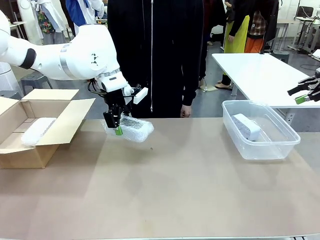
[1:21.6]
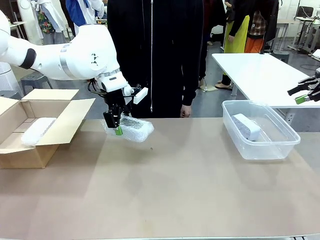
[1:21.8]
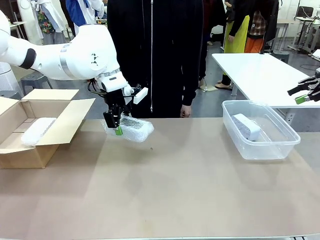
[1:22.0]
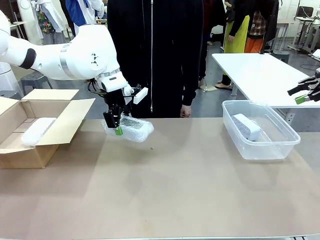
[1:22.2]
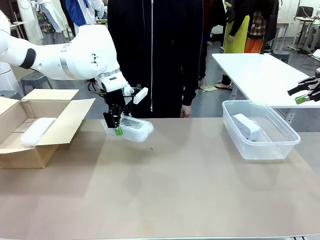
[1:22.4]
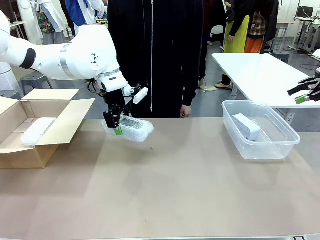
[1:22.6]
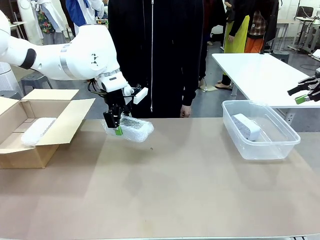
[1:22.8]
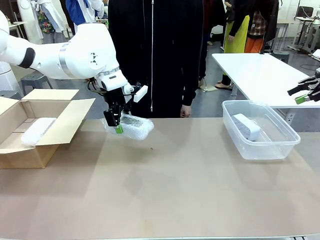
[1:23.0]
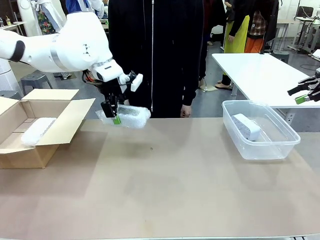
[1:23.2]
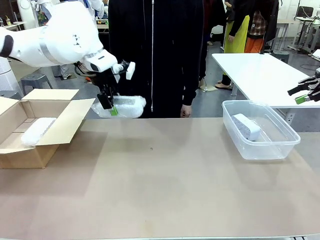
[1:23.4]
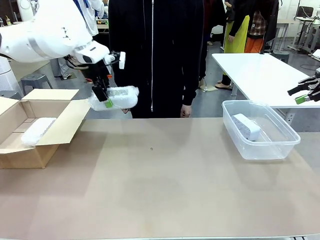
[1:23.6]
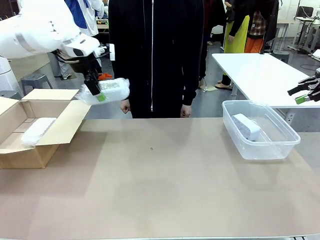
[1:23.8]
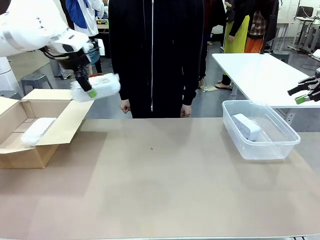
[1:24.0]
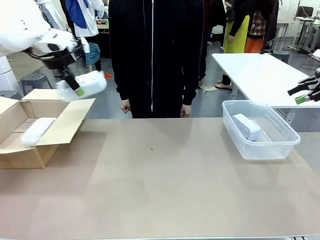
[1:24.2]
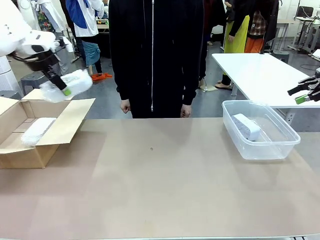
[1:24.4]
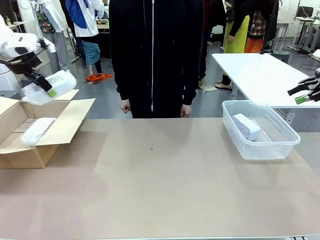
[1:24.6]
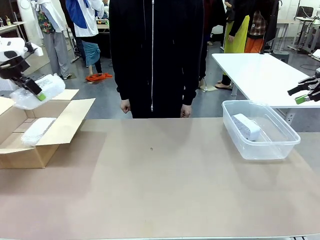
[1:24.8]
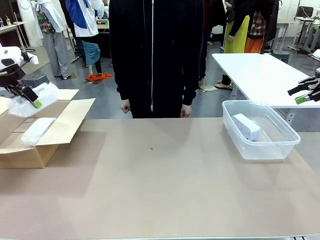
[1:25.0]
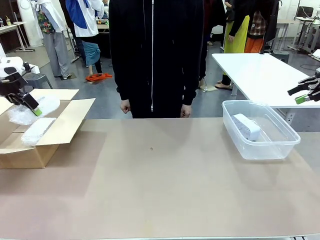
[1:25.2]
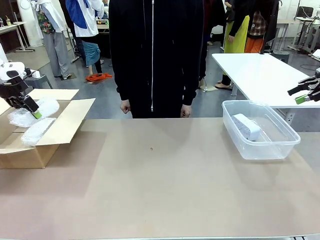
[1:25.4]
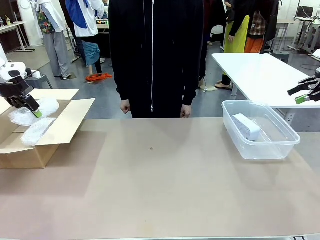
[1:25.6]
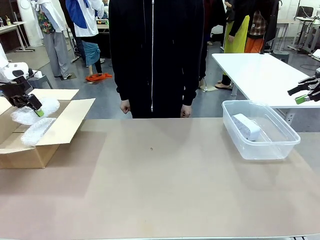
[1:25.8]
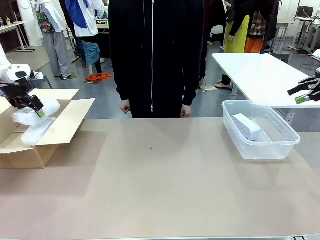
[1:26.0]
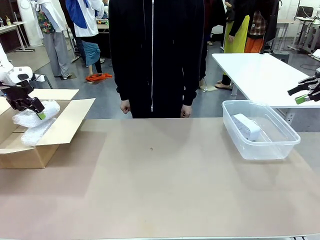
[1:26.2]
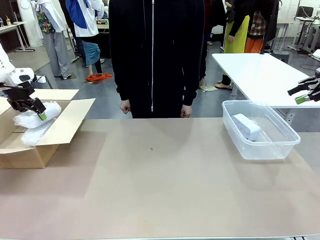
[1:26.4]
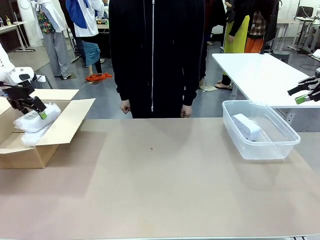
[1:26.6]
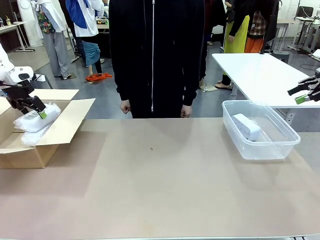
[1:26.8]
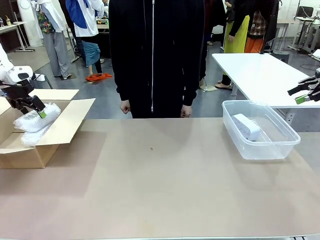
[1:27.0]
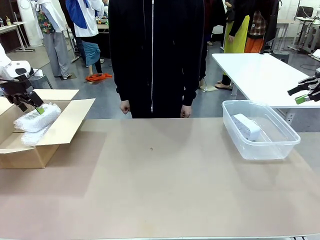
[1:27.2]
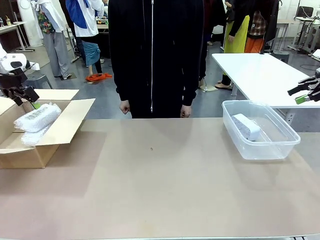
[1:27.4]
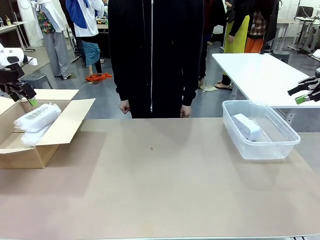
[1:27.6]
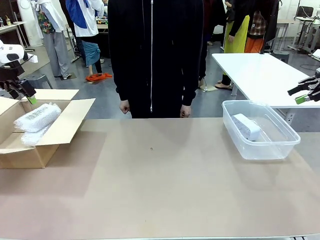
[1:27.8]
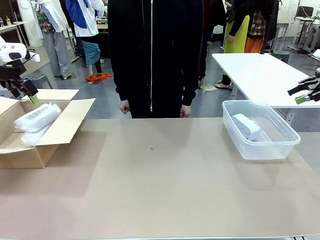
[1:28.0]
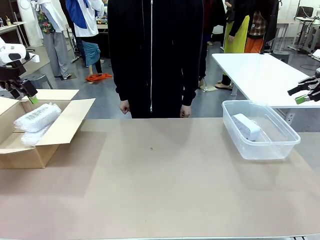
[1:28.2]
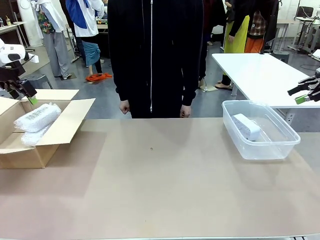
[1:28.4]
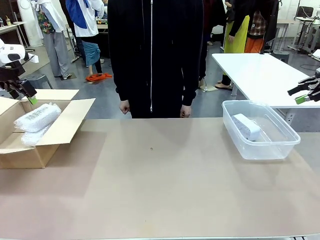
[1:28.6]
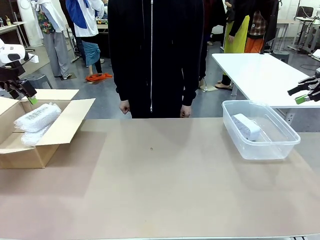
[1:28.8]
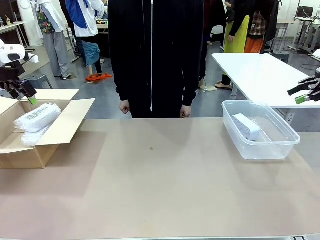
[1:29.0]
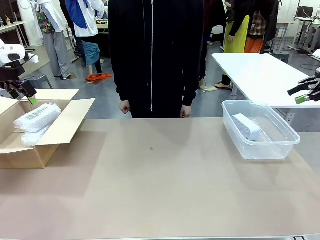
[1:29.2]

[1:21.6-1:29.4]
Task: Separate and place wrapped and unwrapped clocks.
Robot: If the picked Digital clock is wrapped, place it in the Package Box ; if not, place it in the Organizing box.

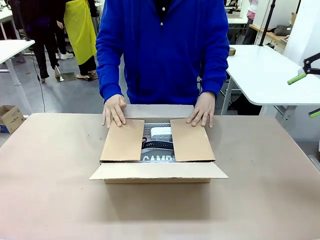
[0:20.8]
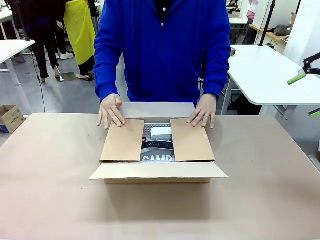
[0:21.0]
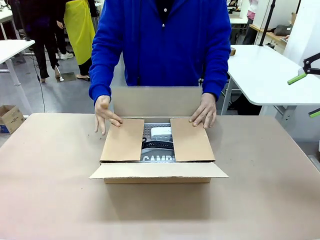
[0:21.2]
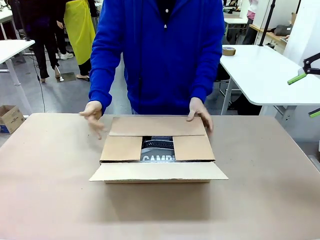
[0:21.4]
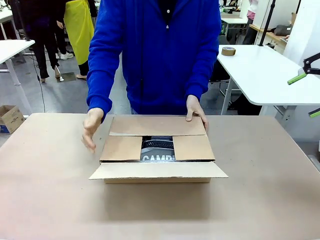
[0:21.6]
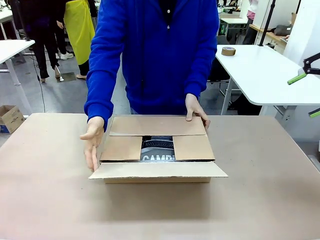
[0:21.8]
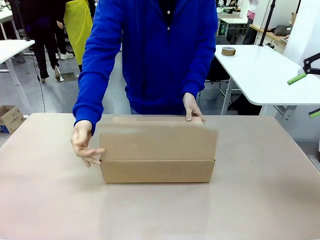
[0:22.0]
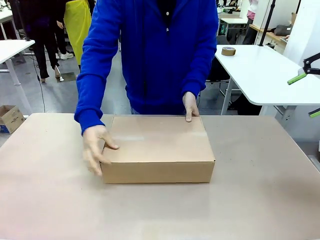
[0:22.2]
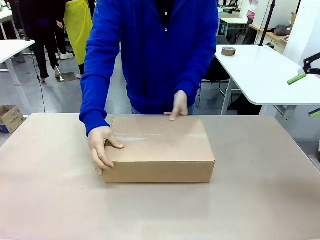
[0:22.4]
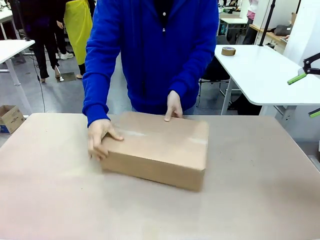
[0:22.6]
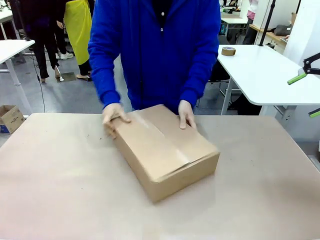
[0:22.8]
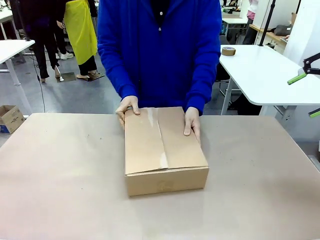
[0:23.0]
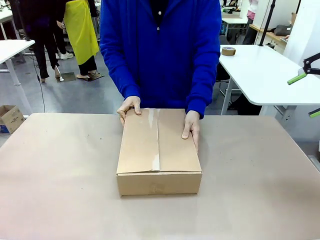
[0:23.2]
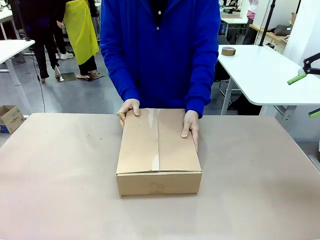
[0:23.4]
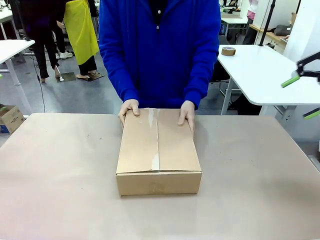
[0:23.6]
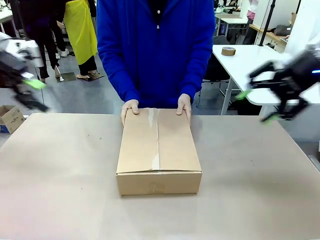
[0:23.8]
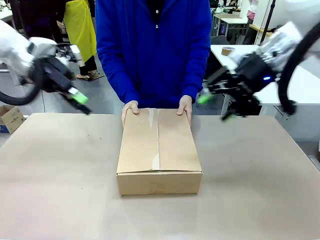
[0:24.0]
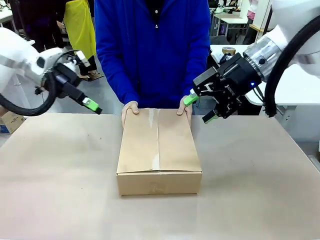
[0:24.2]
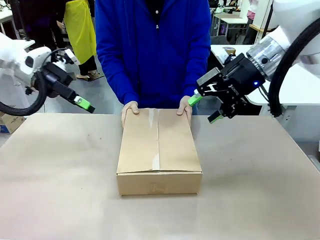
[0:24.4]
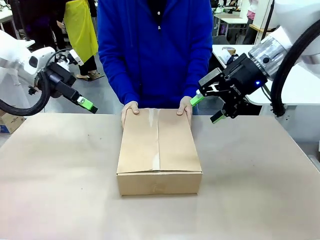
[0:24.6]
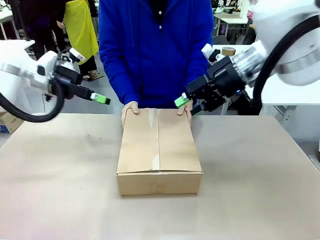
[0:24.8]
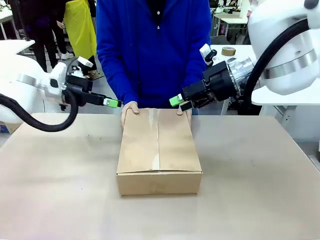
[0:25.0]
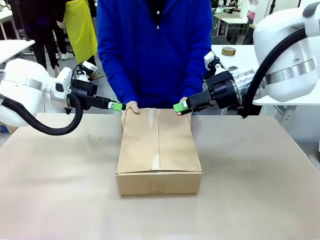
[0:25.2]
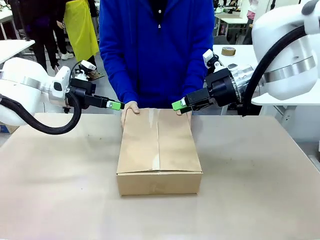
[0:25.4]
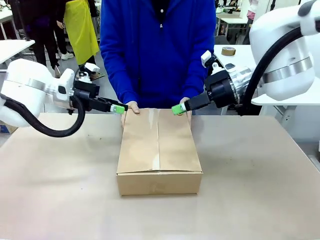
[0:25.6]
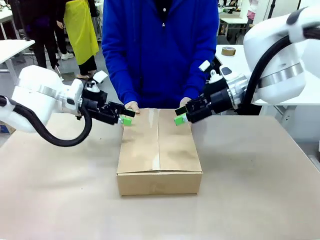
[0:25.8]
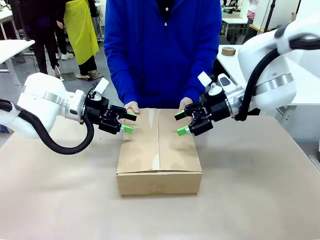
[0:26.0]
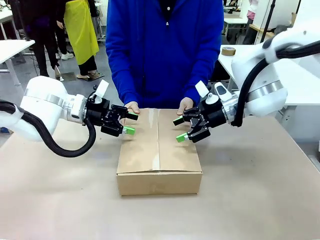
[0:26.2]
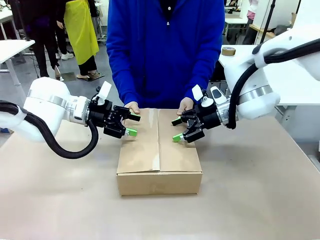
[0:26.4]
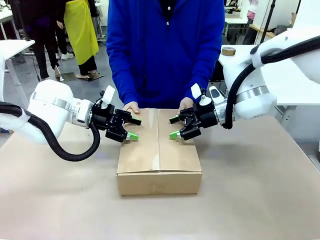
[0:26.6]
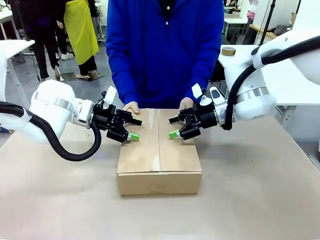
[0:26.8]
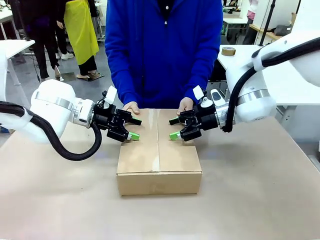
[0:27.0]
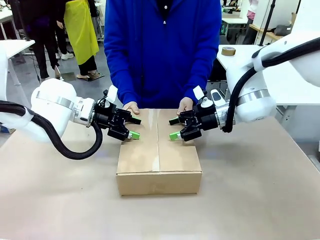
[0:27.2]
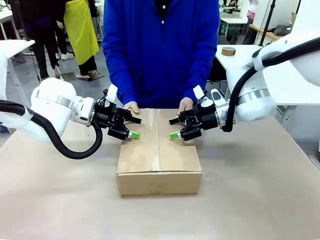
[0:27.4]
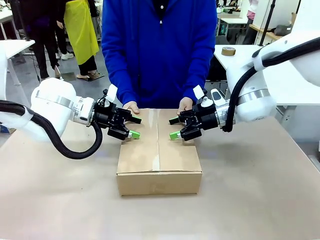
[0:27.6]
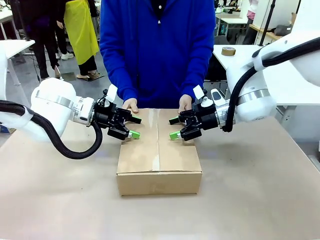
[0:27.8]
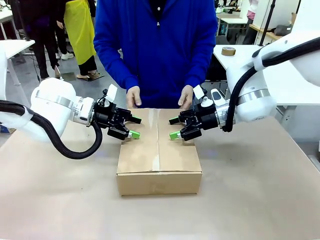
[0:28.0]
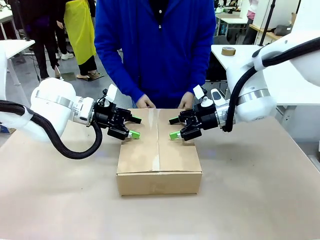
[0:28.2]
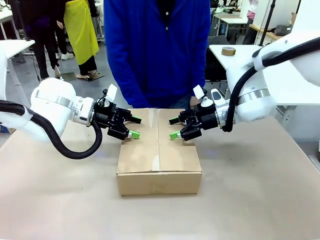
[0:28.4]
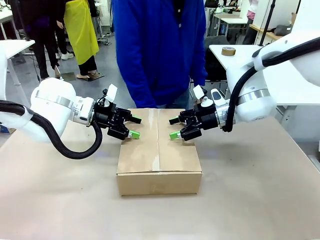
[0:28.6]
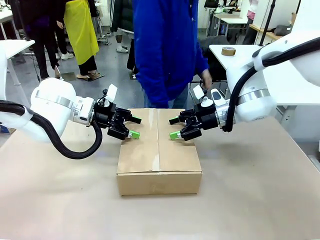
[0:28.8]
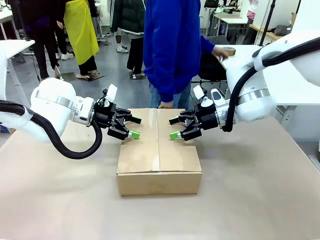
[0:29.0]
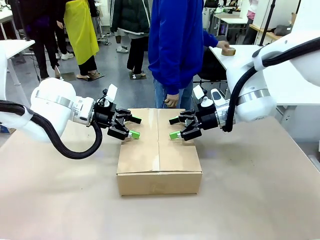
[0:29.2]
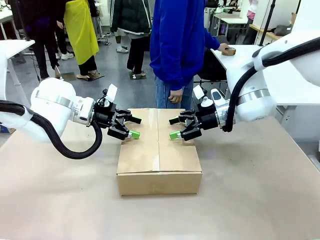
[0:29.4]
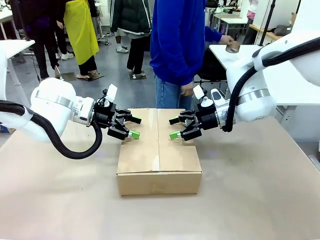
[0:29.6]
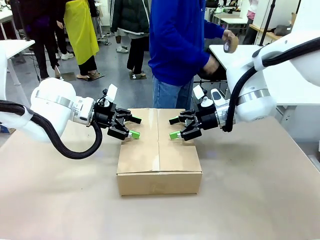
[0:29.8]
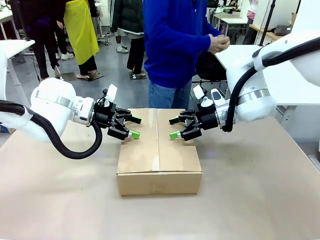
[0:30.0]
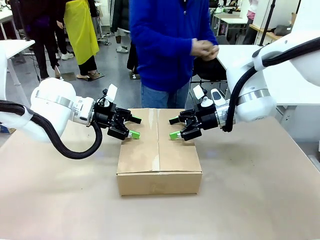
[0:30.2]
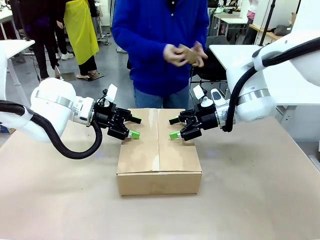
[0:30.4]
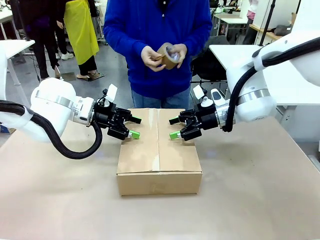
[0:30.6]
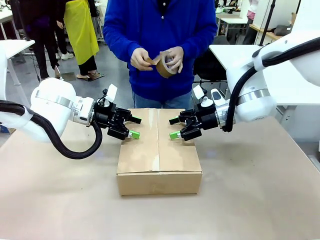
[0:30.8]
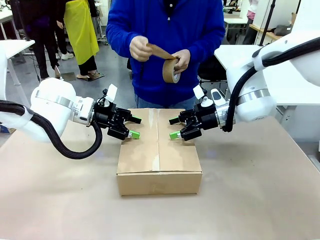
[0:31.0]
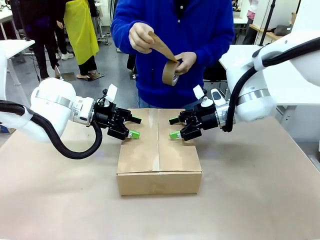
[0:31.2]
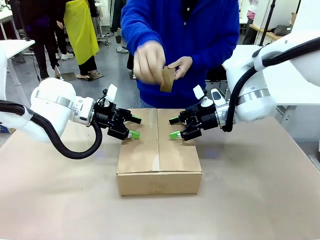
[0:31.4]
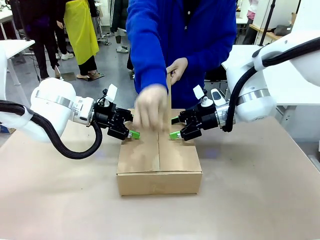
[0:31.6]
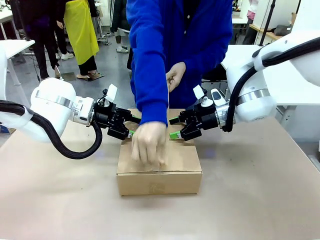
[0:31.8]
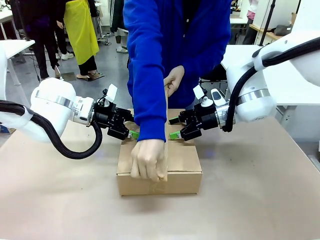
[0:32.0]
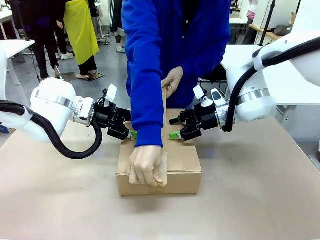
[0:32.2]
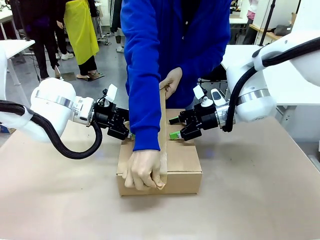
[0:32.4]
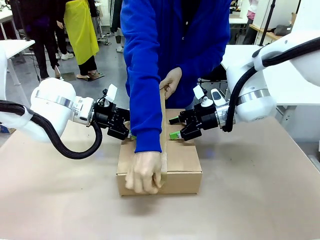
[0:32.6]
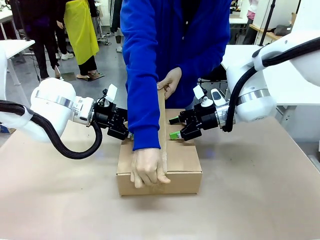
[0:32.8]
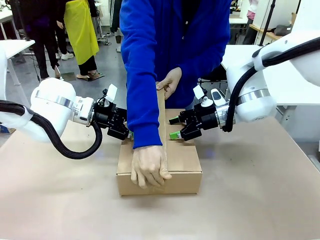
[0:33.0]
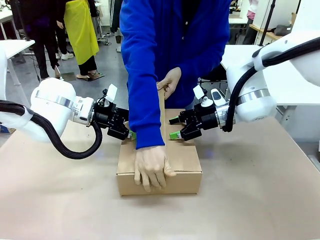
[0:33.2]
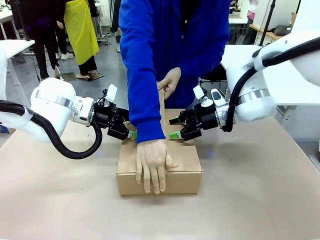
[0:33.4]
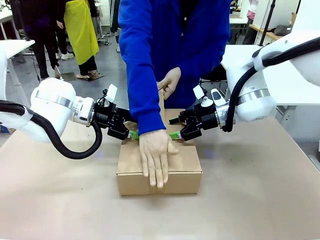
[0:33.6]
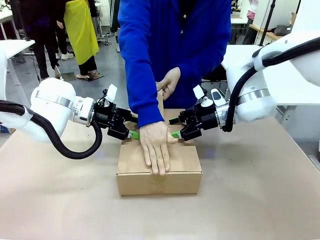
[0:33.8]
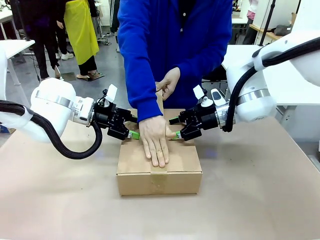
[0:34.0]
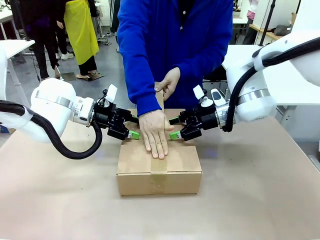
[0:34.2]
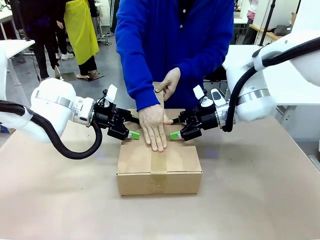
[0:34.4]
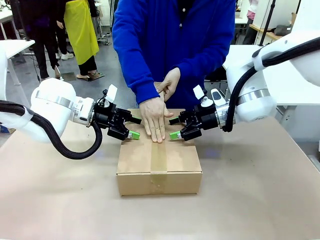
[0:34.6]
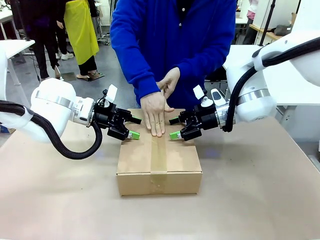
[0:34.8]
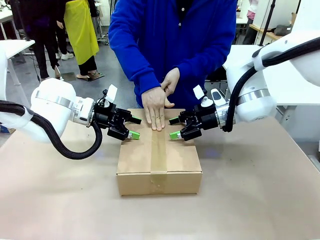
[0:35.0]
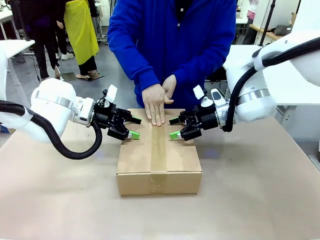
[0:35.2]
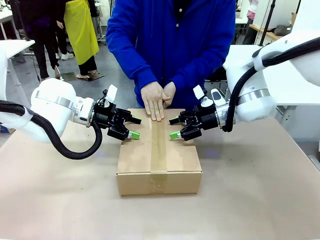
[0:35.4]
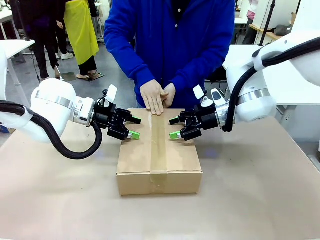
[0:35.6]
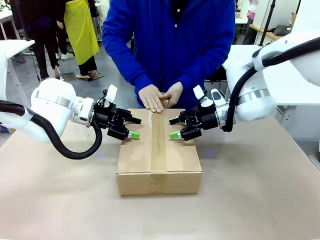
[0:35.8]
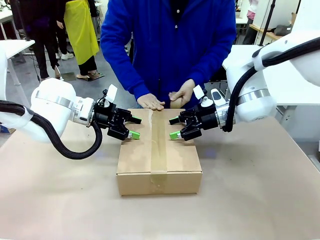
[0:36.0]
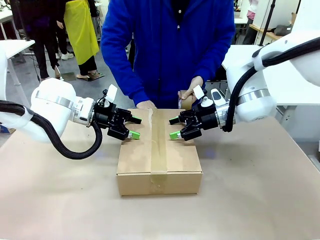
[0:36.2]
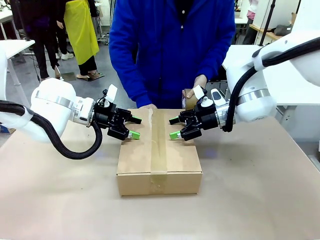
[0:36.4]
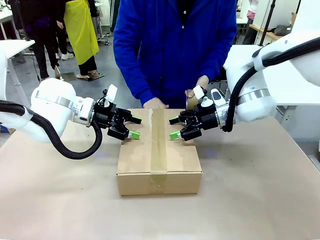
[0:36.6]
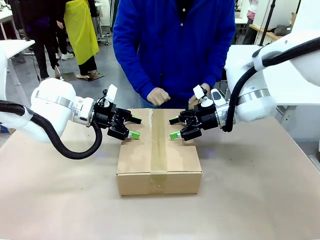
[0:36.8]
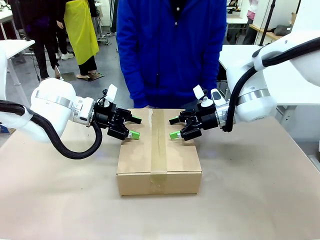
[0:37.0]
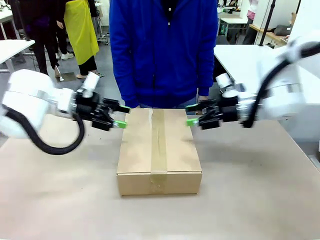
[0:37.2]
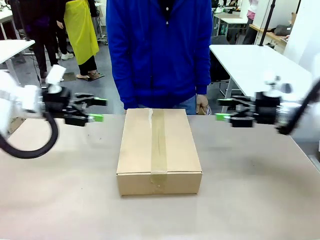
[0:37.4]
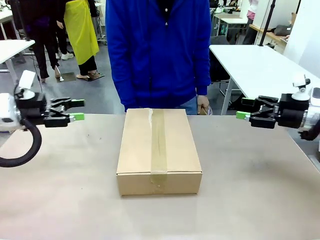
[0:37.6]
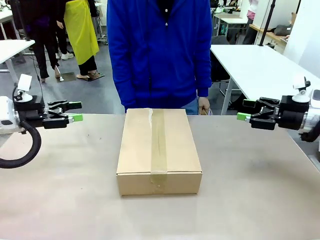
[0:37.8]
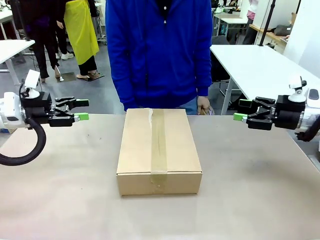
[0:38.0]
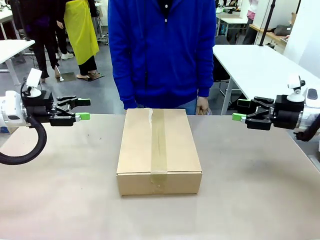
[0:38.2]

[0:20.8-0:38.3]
Task: Pack the gift set into the box.
Robot: Press and hold the closed box until the human finishes sealing it.
Person: The human closes the box and rotates the box by 90 degrees. The human picks up the paper tape from the human table and packs the box.
